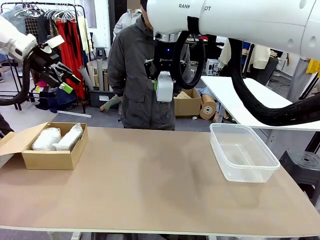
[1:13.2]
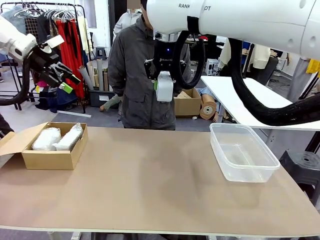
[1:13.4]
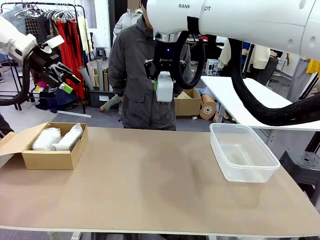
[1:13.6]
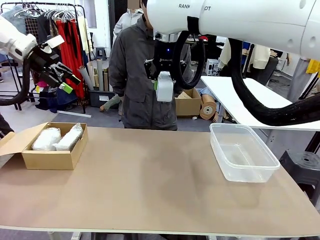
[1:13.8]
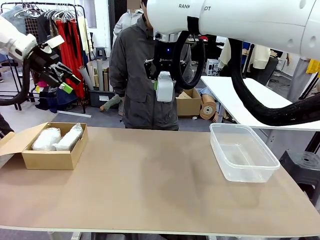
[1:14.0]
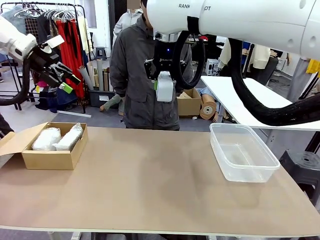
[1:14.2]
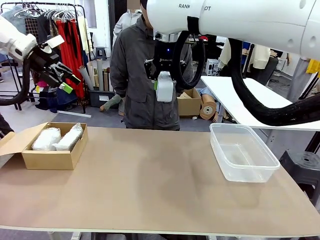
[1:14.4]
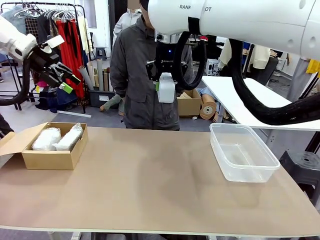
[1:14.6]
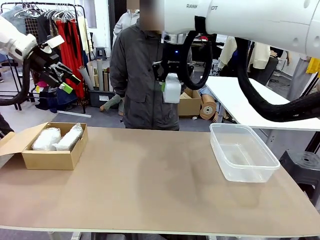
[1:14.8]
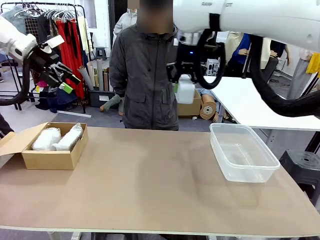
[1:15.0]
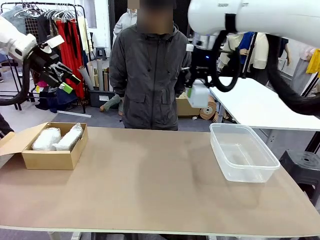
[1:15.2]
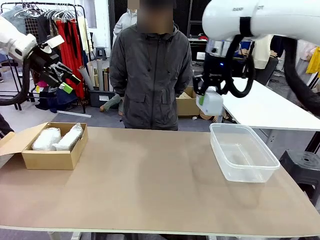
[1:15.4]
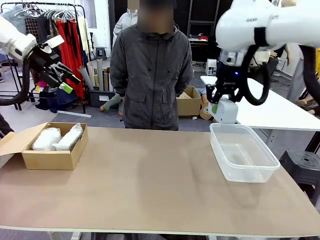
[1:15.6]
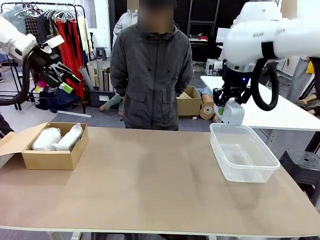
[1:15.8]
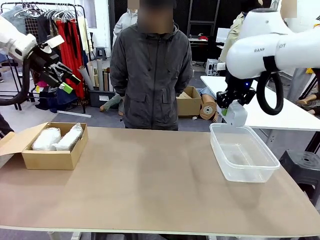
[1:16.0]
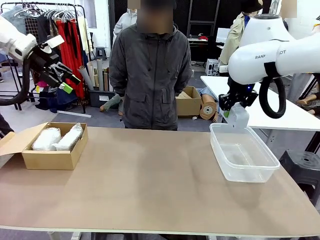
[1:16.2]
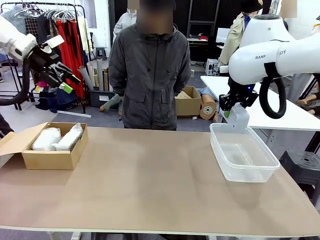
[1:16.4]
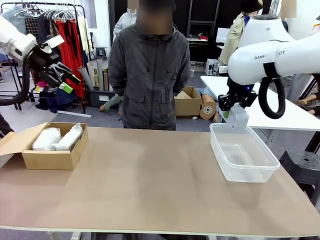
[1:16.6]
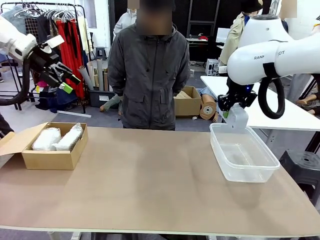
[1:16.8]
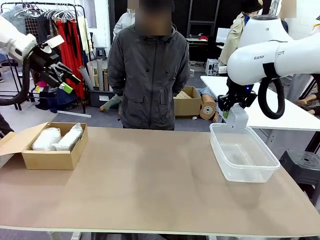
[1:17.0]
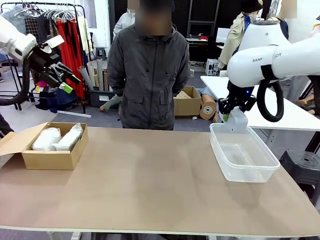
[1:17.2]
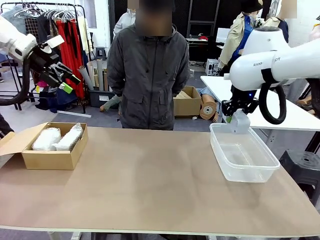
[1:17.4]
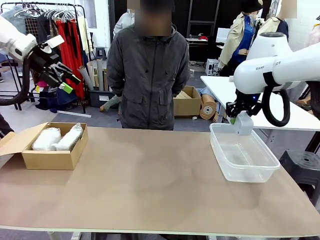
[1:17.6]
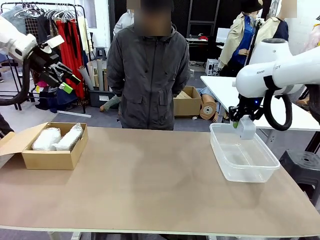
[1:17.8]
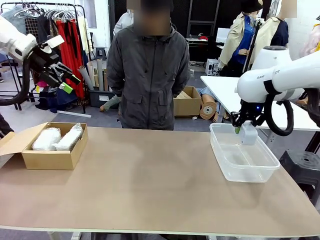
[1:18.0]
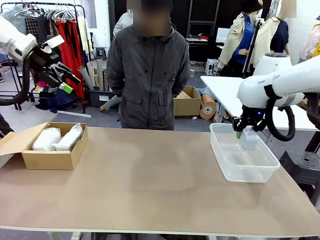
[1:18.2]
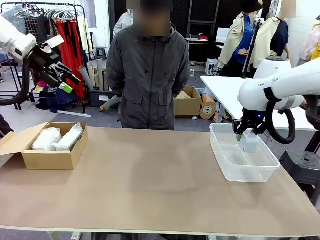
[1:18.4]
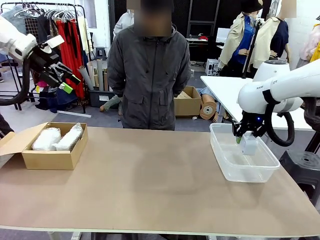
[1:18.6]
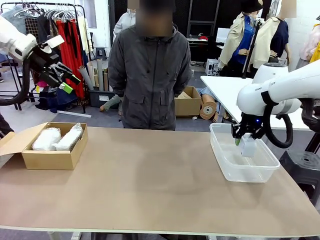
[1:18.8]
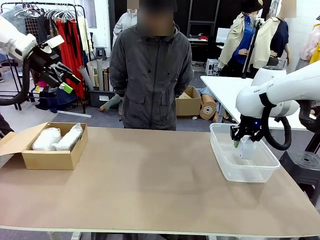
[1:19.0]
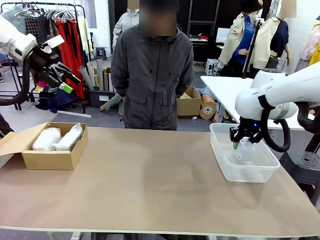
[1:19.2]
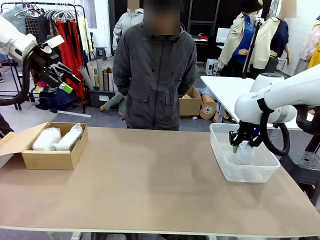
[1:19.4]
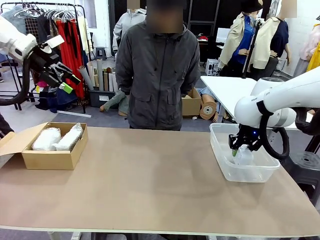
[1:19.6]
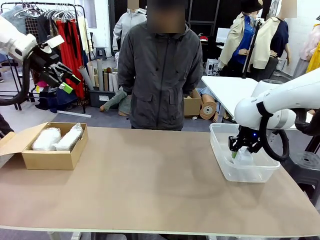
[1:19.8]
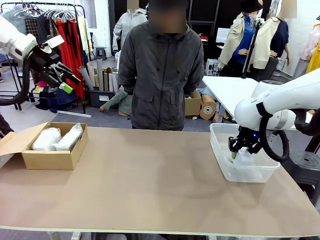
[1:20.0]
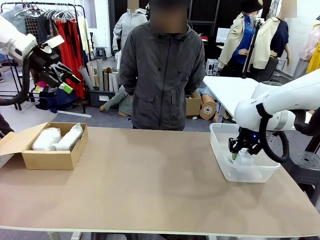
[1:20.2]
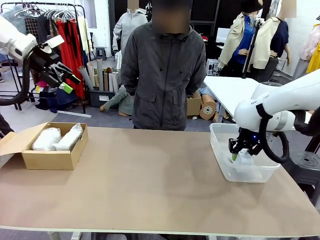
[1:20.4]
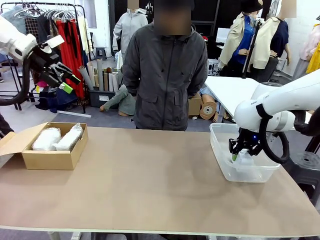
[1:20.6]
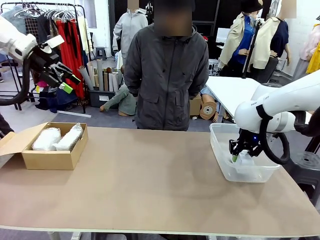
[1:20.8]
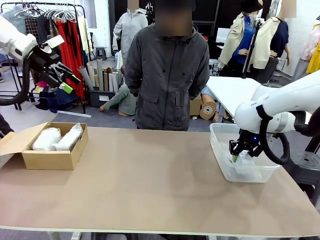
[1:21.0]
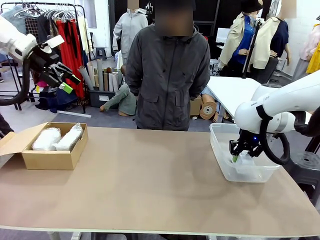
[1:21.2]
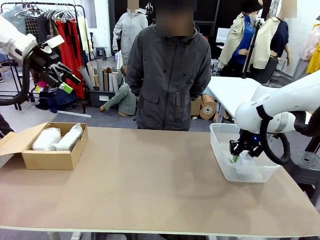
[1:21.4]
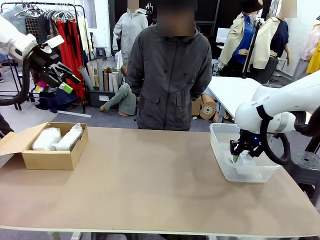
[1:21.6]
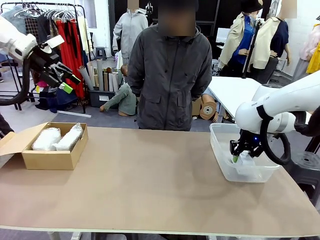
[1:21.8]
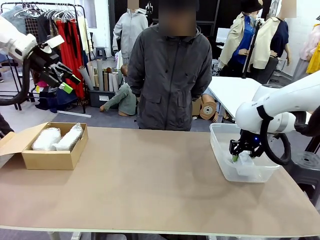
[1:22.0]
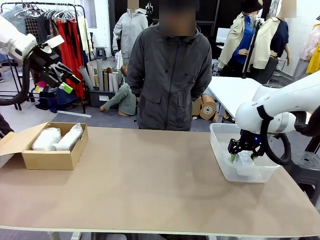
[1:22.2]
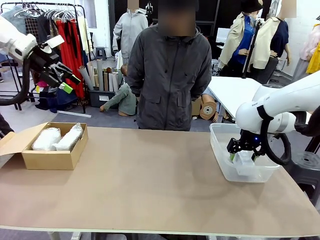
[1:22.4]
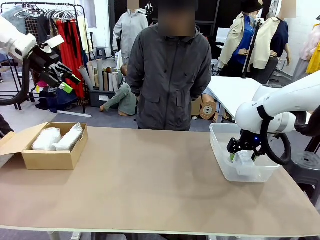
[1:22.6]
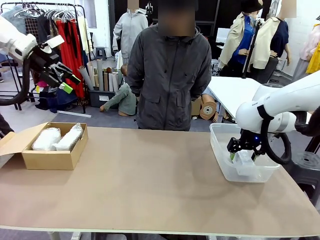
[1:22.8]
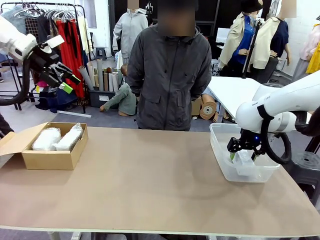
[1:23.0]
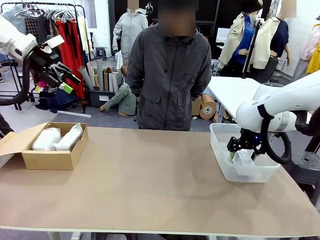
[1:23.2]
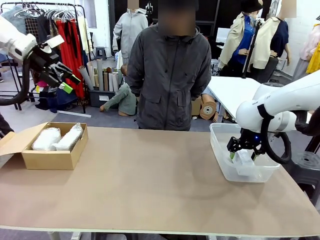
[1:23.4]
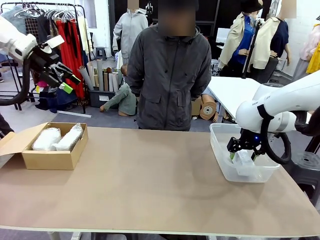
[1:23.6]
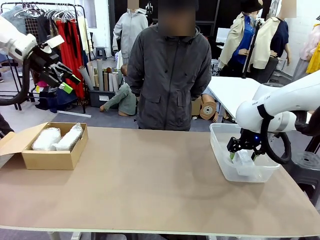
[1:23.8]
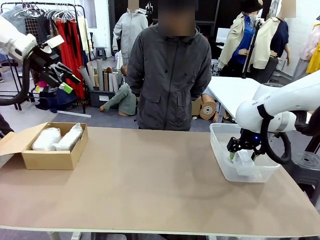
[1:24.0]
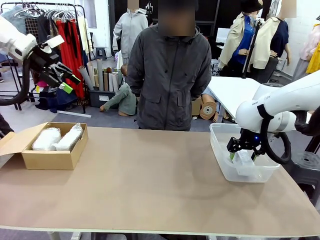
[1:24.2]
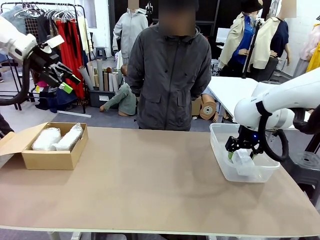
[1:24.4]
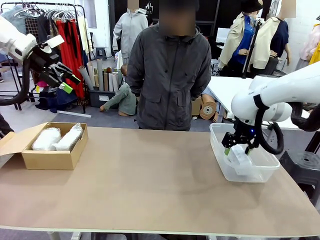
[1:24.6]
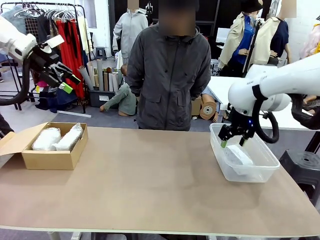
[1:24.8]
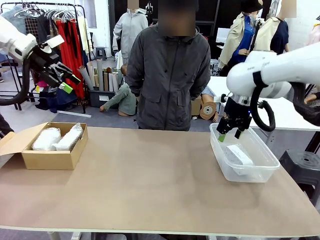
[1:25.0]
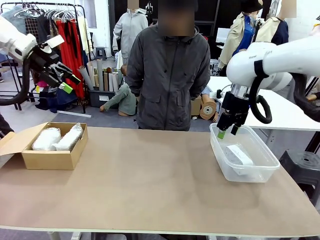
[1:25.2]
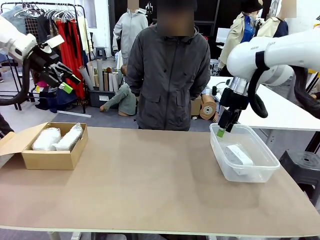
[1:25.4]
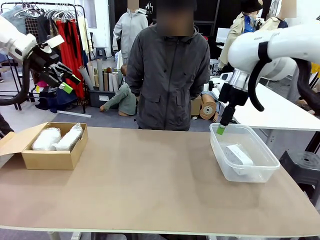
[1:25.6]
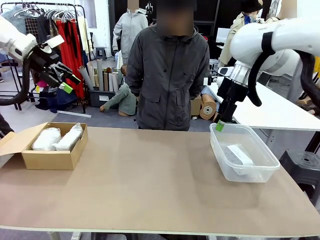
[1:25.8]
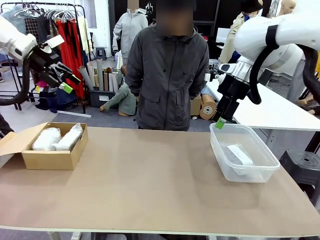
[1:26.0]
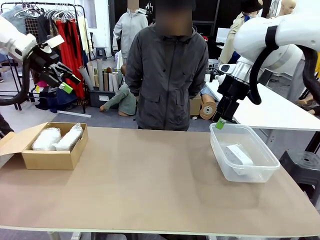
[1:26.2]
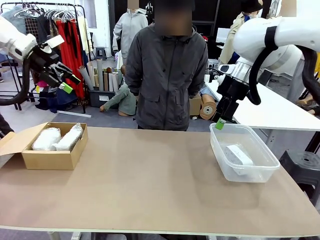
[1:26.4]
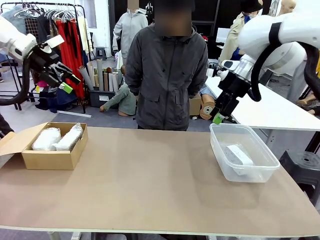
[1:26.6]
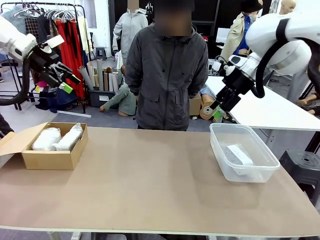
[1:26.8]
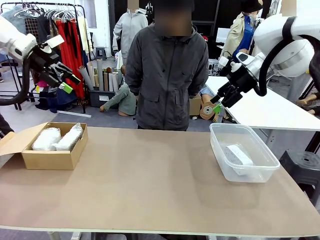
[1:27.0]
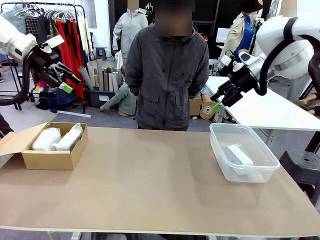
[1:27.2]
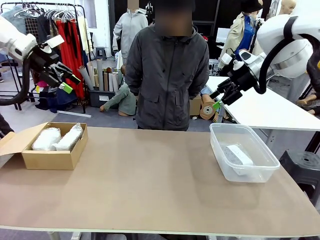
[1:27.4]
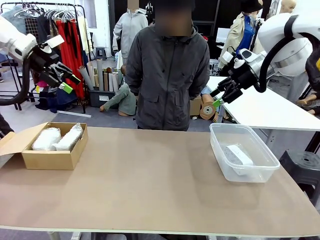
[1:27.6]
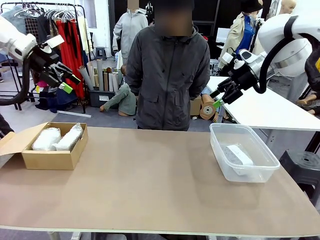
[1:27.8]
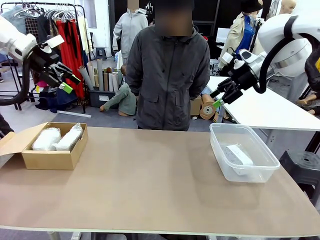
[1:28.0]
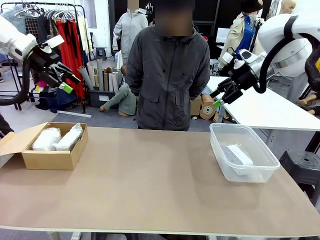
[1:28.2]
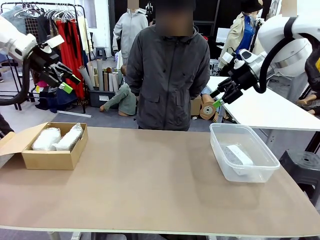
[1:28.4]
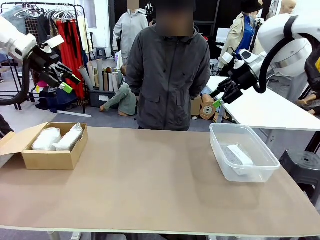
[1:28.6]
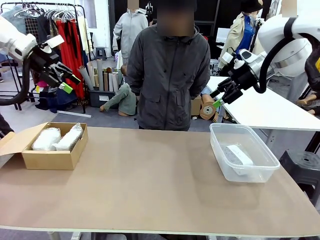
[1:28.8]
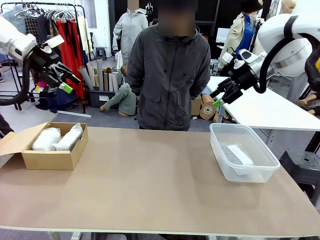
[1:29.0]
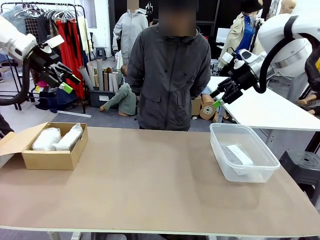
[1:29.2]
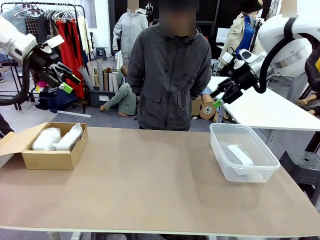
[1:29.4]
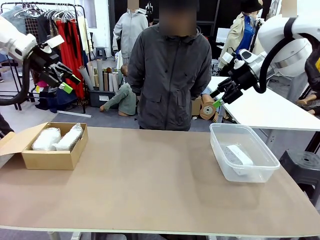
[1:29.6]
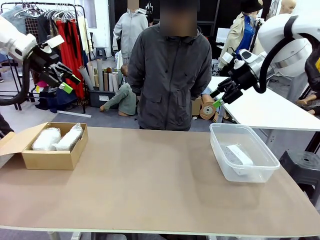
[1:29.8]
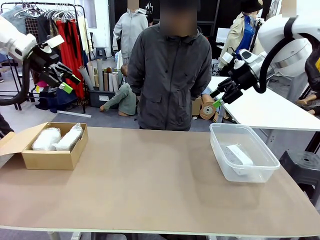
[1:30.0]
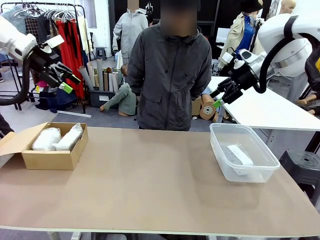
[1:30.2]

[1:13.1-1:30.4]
Task: Separate and place wrapped and unwrapped clocks.
Robot: If the picked Digital clock is wrapped, place it in the Package Box ; if not, place it in the Organizing box.
